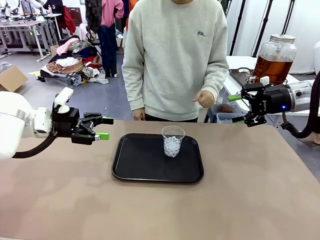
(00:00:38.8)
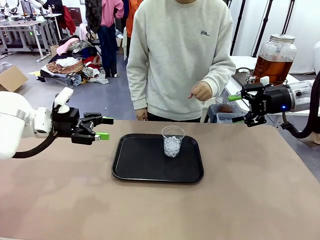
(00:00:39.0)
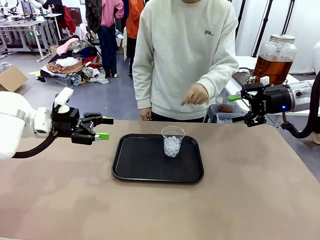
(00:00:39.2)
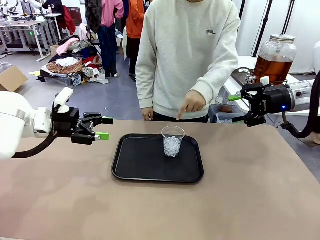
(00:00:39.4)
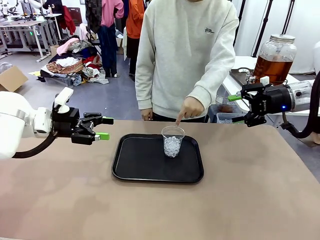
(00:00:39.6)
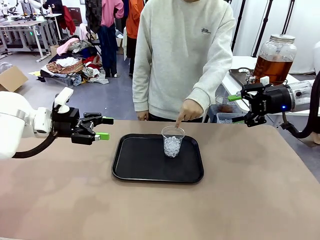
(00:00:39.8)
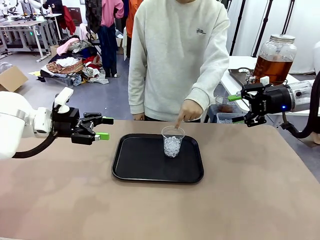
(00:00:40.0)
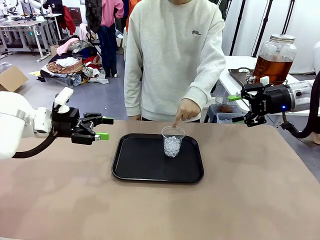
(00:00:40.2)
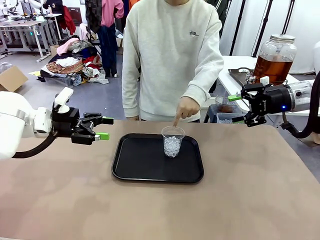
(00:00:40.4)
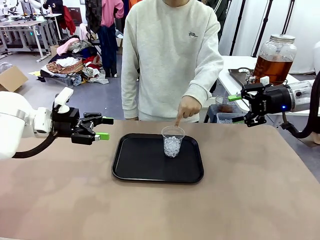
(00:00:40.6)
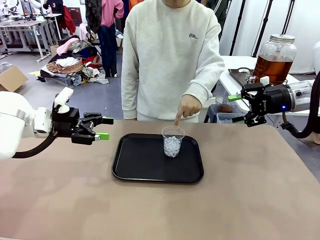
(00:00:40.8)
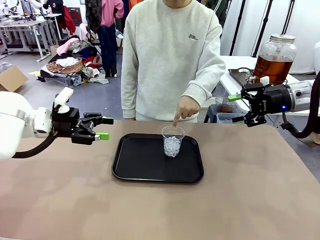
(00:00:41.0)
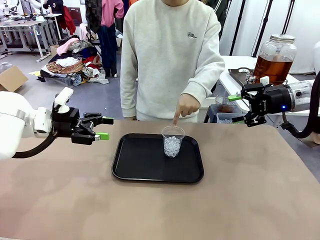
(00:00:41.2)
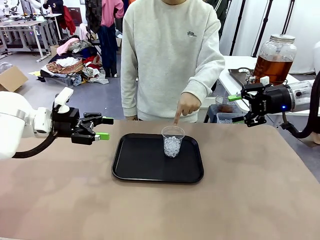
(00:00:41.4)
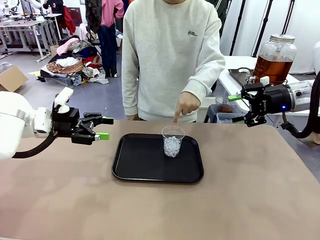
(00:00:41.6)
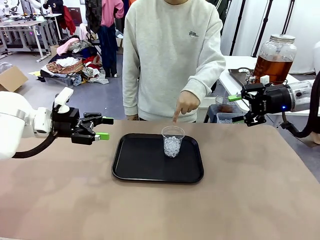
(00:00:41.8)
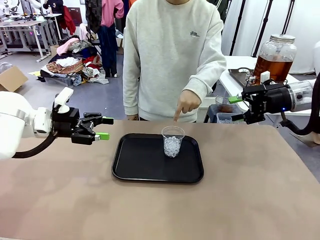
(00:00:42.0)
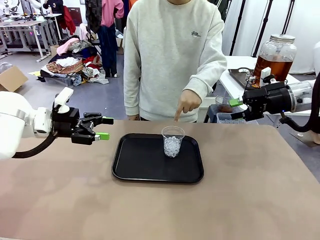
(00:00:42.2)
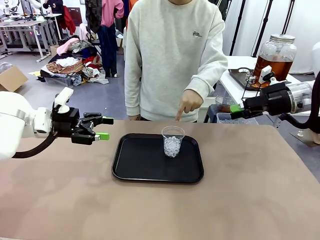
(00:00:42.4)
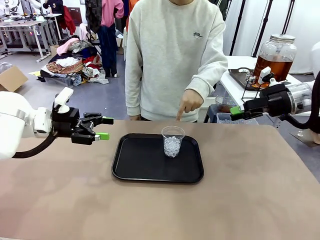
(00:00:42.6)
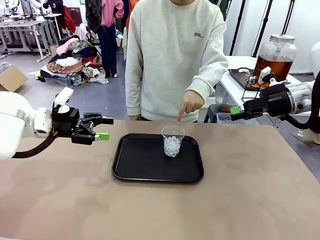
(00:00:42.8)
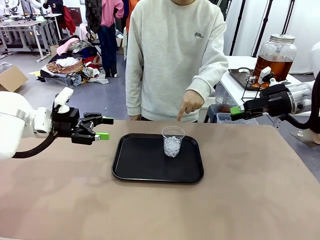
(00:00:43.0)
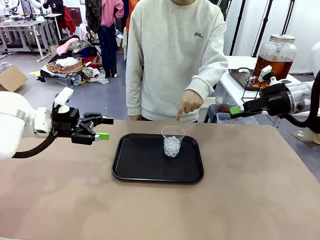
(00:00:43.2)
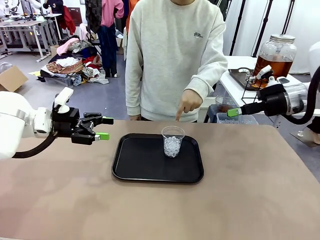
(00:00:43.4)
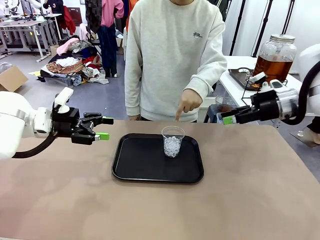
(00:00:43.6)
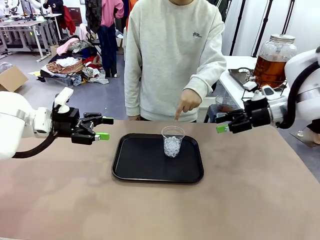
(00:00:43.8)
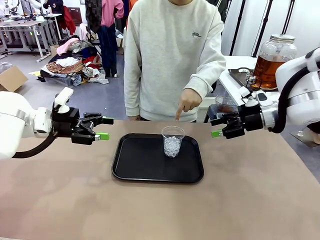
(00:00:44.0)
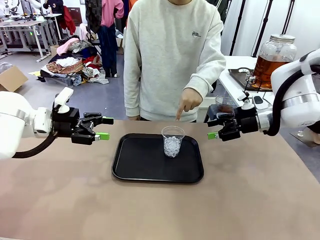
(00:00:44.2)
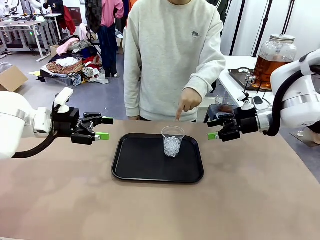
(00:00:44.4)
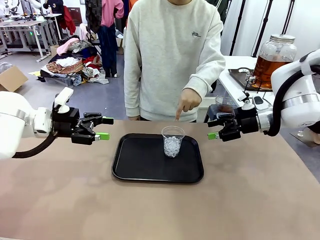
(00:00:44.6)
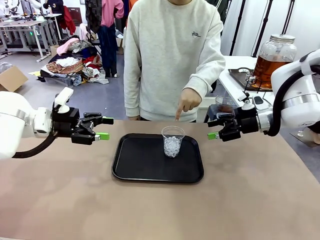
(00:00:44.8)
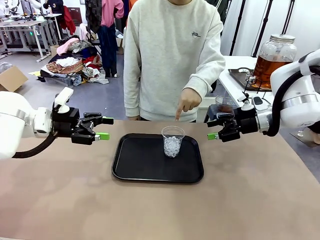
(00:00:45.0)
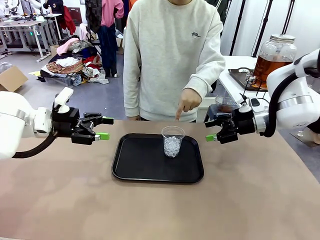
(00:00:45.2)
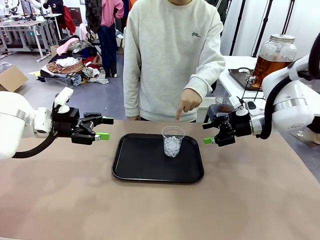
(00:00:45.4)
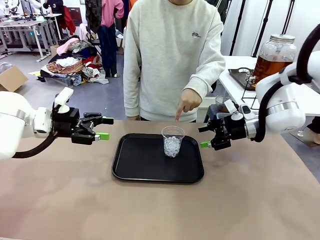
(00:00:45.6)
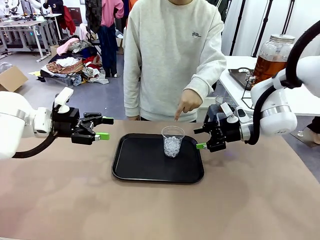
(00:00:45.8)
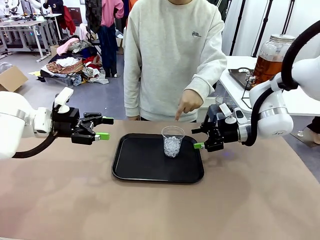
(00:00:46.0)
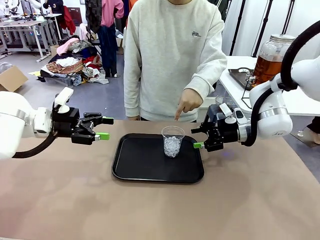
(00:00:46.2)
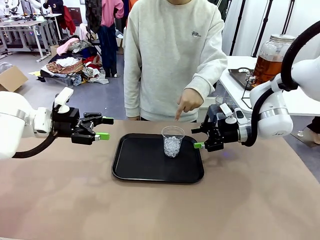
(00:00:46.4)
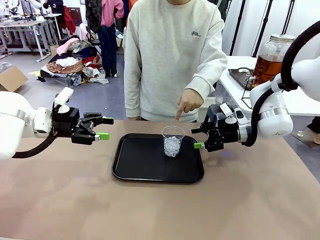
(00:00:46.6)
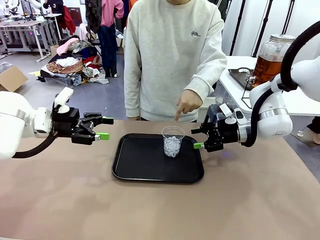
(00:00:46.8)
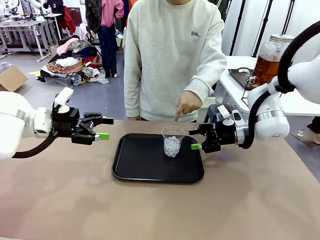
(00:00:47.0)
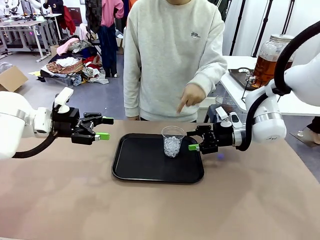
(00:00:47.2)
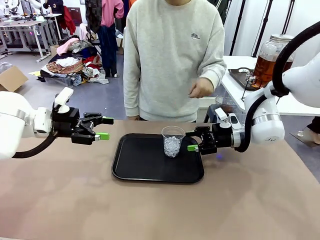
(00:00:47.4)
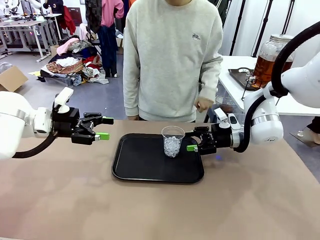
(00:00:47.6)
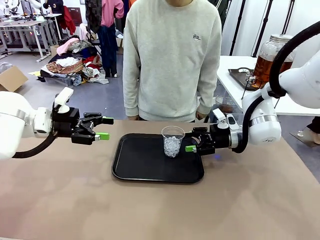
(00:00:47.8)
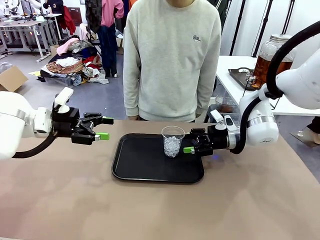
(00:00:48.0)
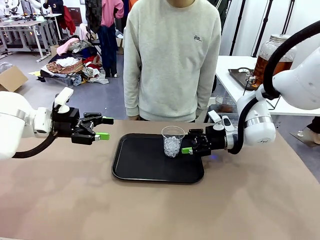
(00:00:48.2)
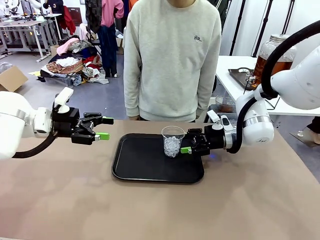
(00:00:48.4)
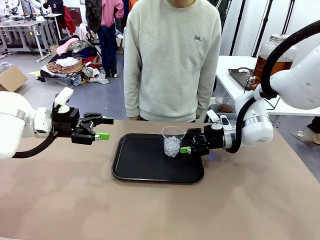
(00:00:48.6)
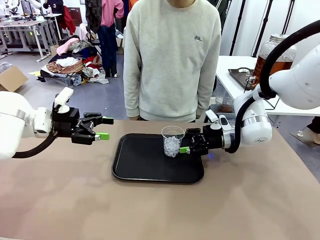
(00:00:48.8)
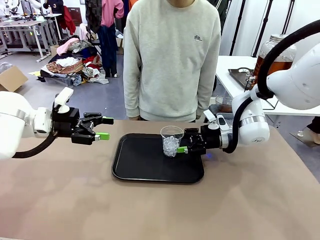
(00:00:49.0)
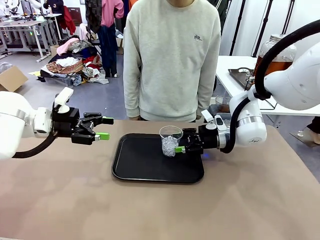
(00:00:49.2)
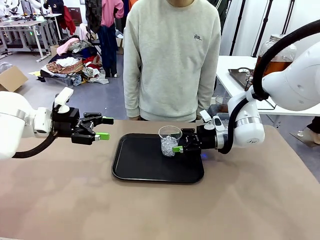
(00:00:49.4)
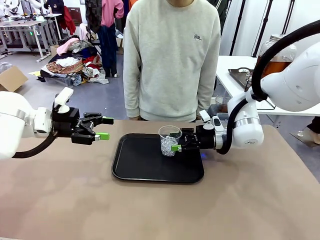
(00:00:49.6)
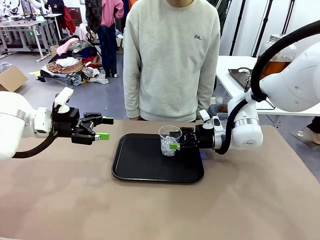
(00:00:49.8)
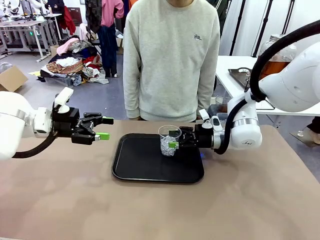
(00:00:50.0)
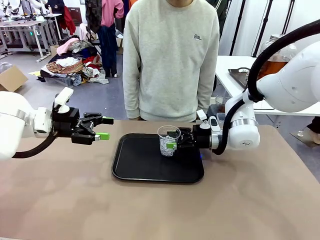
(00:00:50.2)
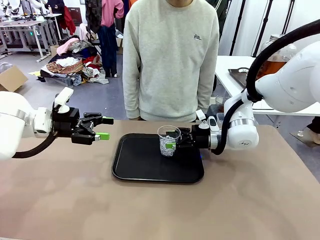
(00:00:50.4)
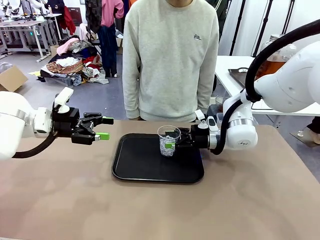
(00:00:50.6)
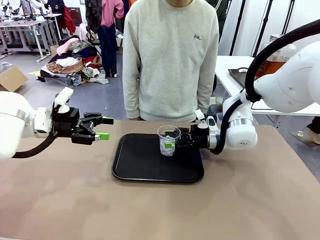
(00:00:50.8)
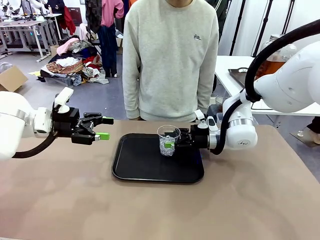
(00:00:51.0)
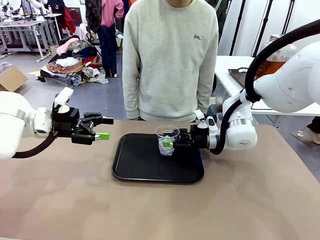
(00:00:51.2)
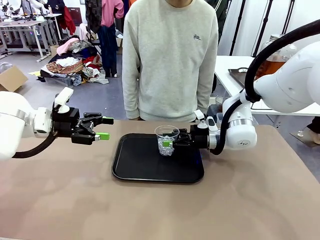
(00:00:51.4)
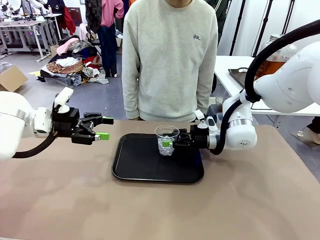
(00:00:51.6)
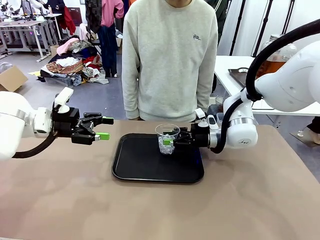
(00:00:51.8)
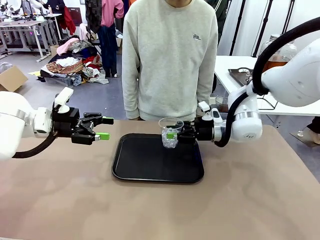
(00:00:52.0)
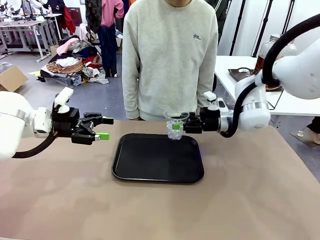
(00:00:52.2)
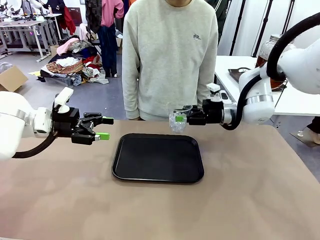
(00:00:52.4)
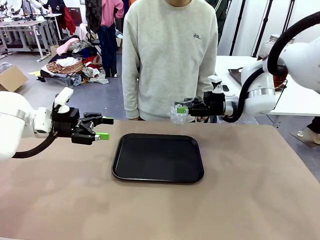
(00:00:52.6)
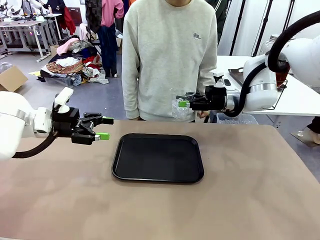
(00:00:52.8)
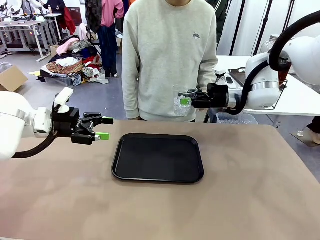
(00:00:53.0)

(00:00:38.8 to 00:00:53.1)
Task: Pour the drink into the iced cup.
Robot: Pick up the iced cup indicated by the human and present it to them.
Person: Point to the remaining ice cup on the robot table. Pick up the cup offered by the robot.
